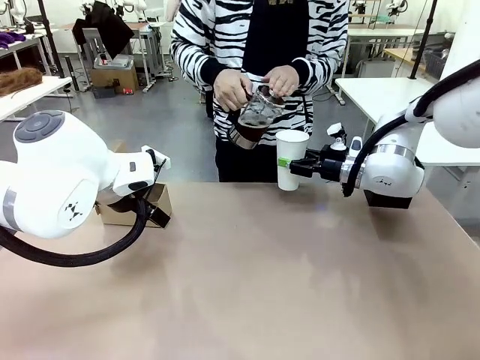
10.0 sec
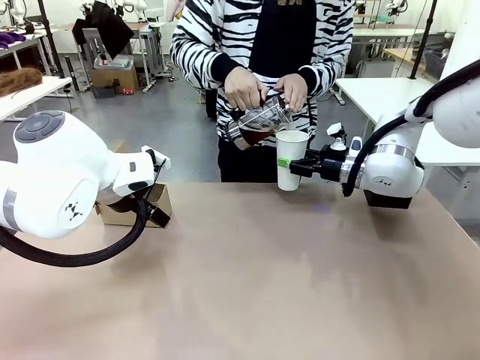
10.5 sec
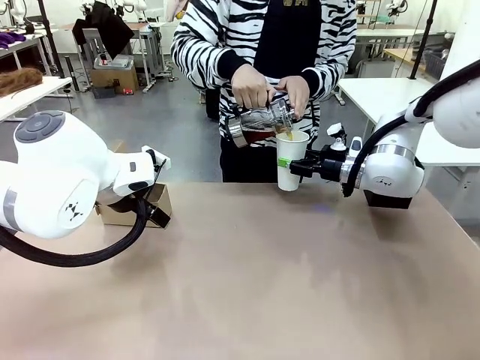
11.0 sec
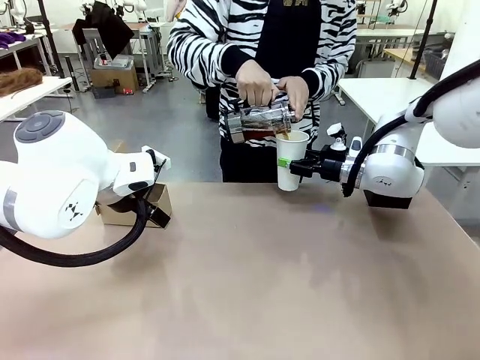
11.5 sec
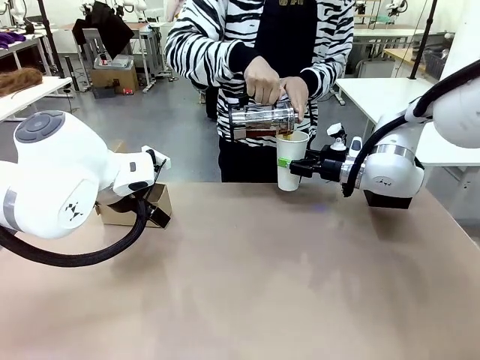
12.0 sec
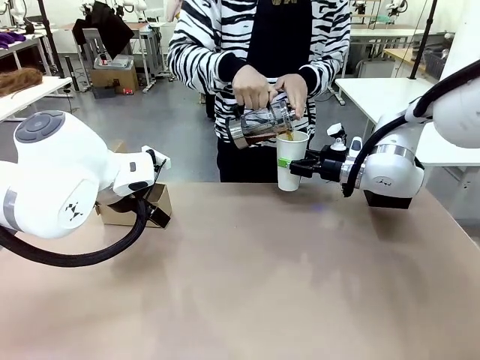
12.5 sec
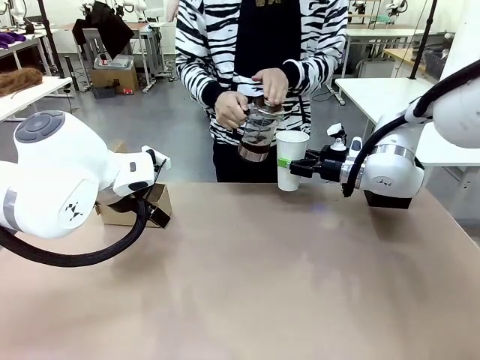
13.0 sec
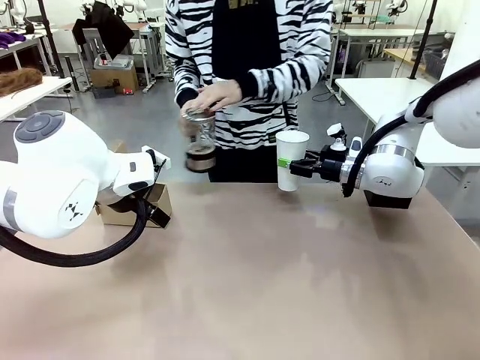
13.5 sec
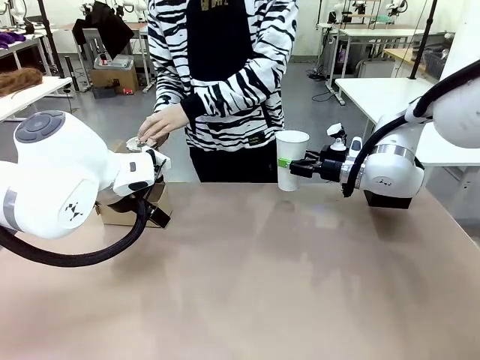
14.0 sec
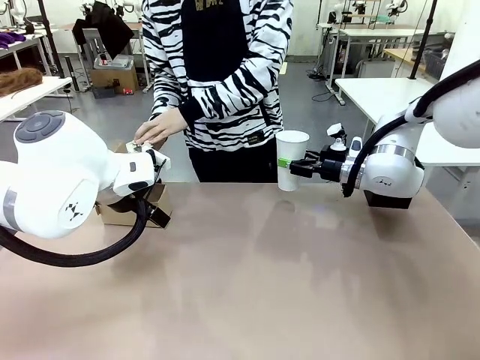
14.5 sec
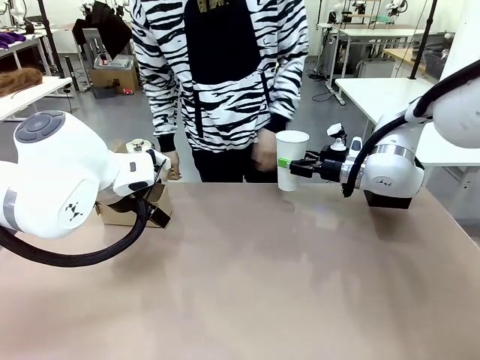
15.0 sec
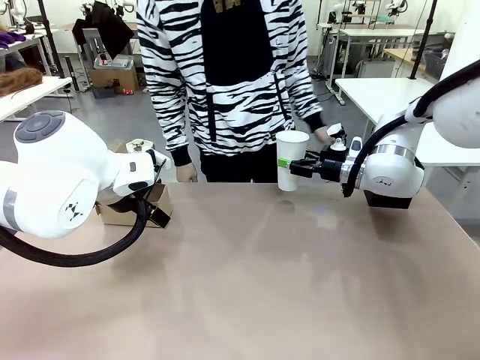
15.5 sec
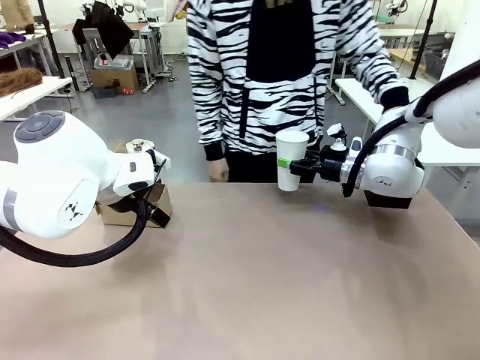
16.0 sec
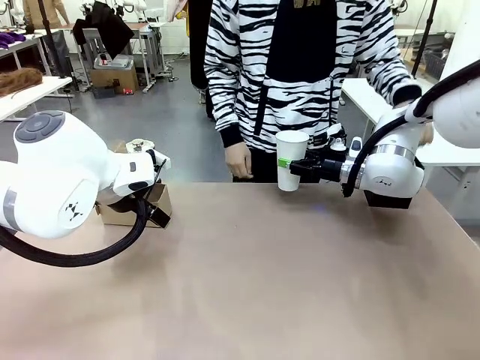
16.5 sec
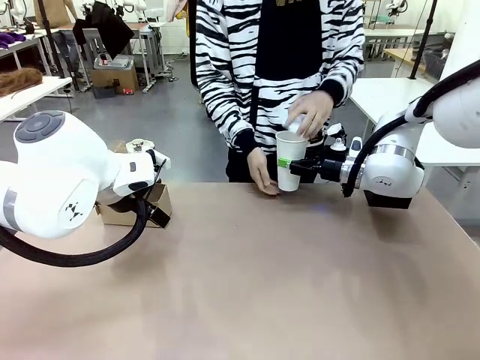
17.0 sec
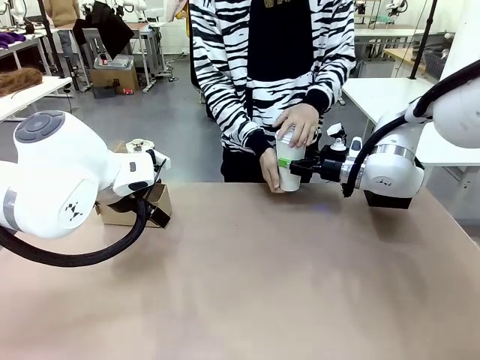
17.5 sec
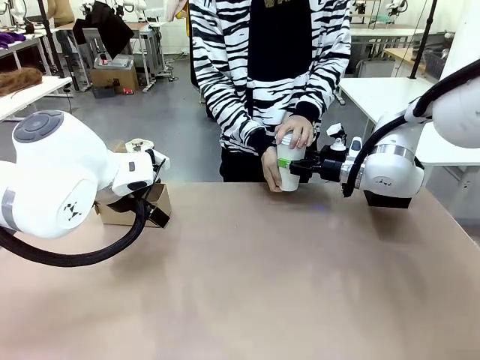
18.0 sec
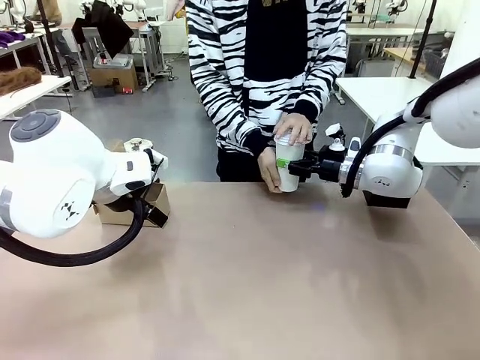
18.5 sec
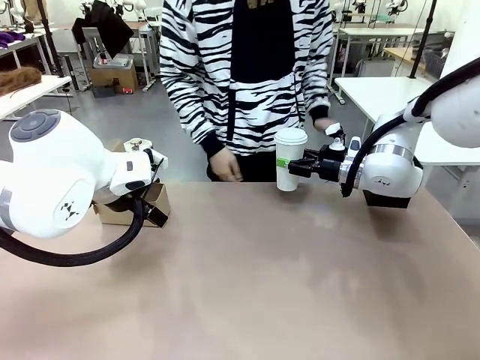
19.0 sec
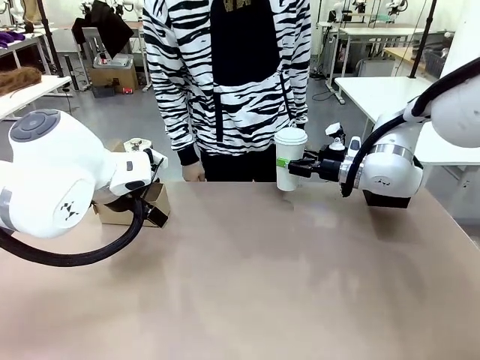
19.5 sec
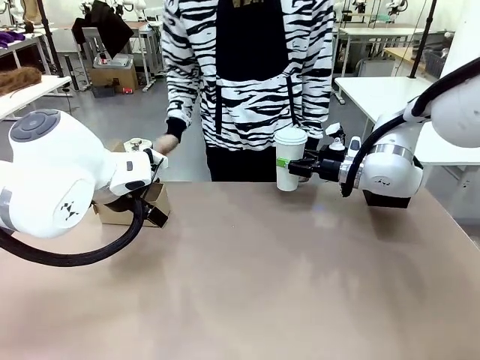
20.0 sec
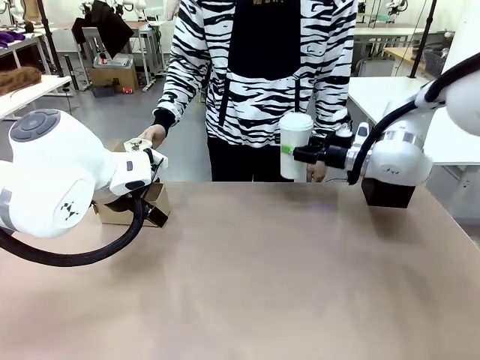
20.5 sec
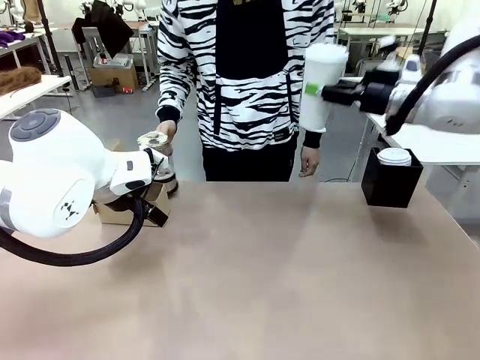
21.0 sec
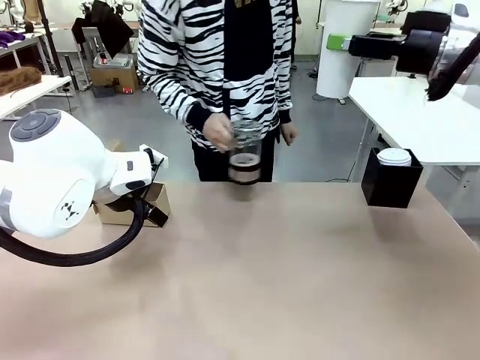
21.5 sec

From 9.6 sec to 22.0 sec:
Task: Pour a drink into a cup and package it in a carrier.
Robot: When a person places the Paper Cup Lid on the 600 ml Paper Cup , lift the 600 ml Paper Cup.
Person: Pour the drink from the Filter Brewing into the 600 ml Paper Cup. Place a Paper Cup Lid on the 600 ml Paper Cup.

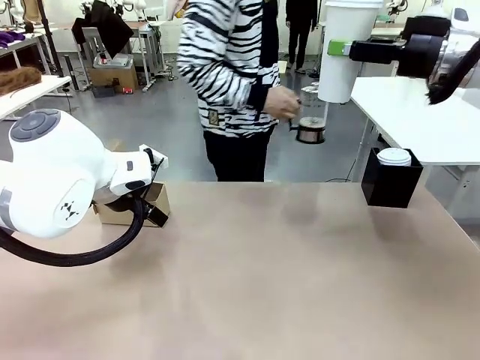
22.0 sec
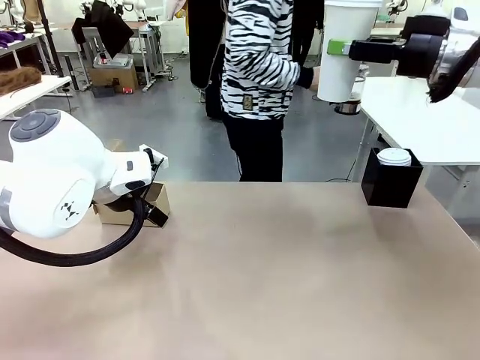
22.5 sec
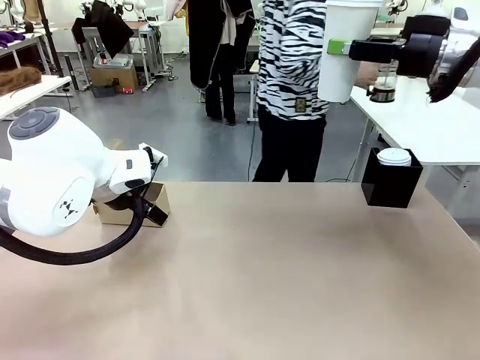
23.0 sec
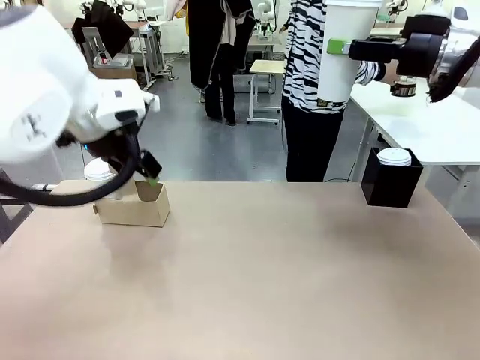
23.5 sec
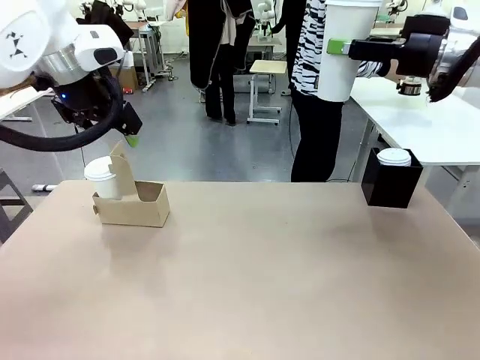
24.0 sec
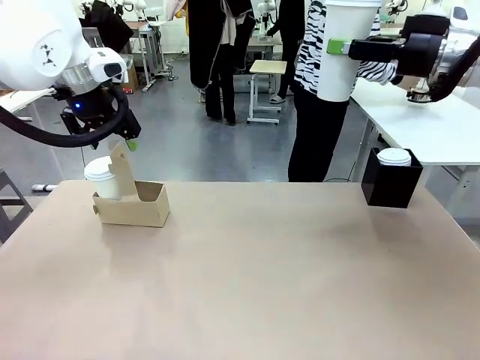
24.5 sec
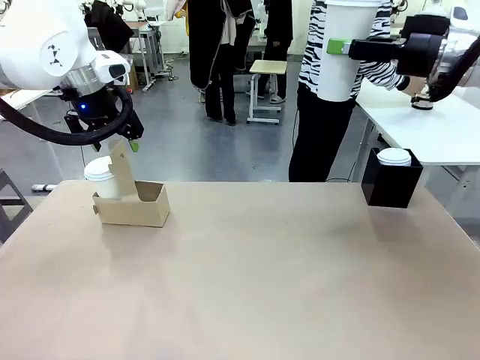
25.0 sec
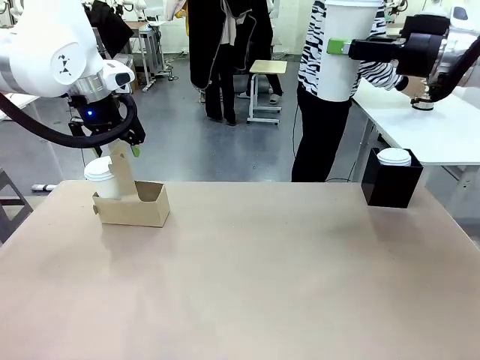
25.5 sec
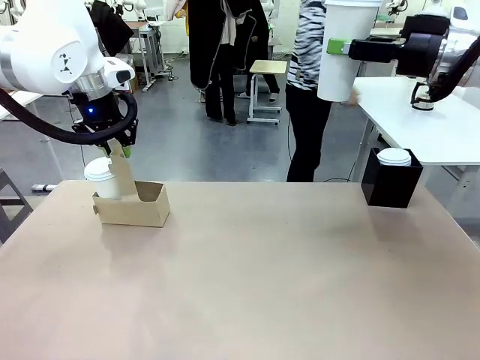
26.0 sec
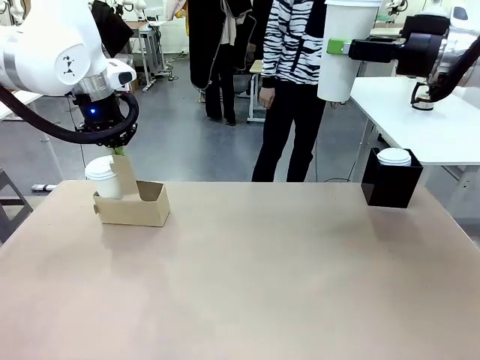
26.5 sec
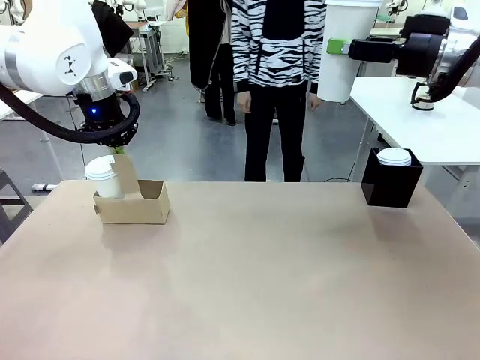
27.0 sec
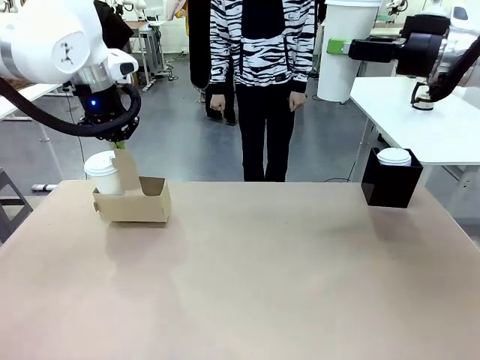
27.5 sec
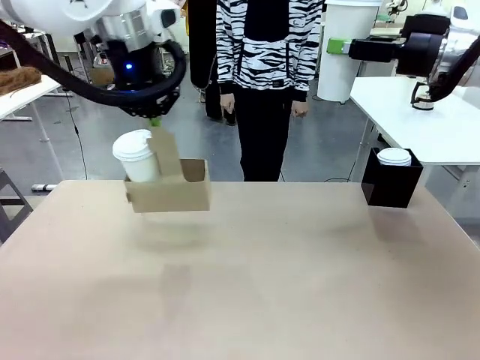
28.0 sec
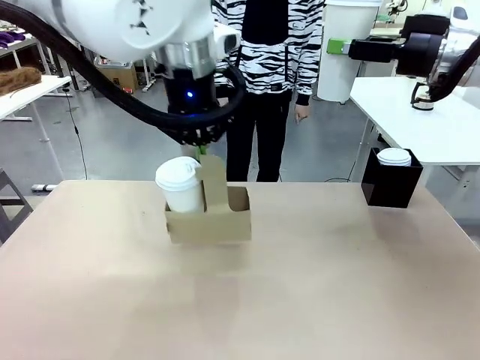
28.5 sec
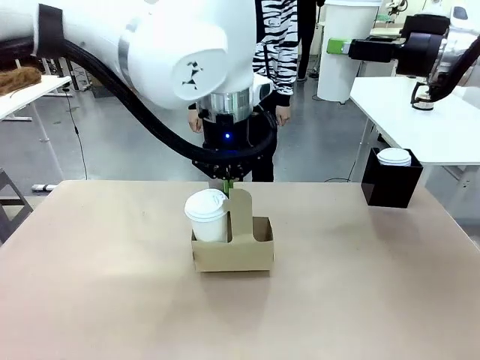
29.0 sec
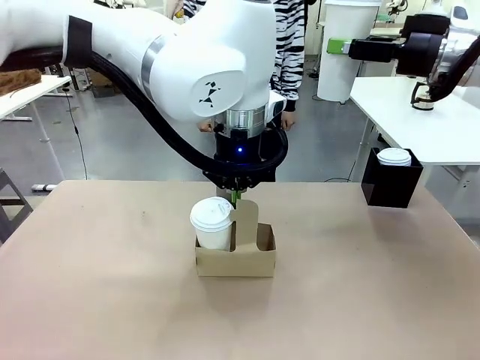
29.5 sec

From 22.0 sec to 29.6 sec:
Robot: Position the Cup Carrier in the center of the table.
Person: Pick up the Filter Brewing and place on the middle of Human table, and return to the Robot table.

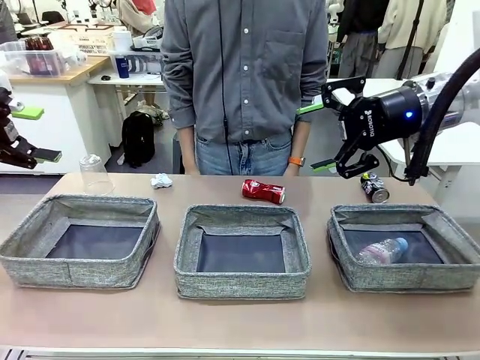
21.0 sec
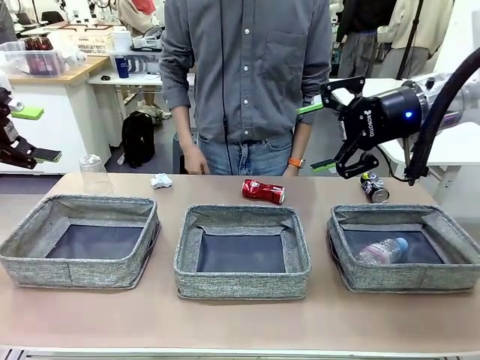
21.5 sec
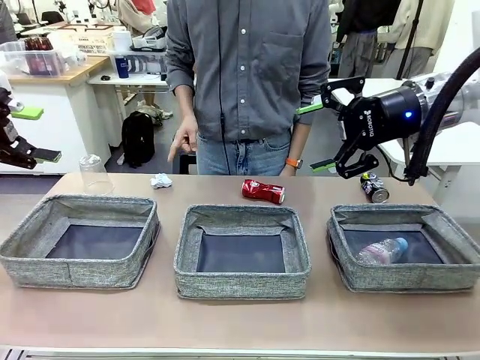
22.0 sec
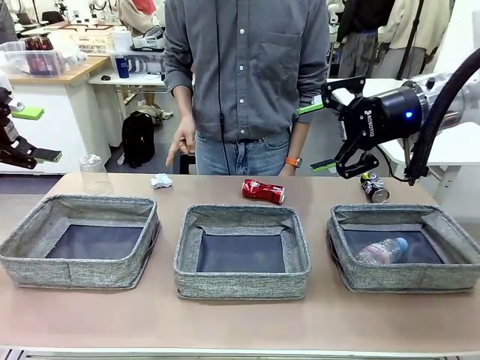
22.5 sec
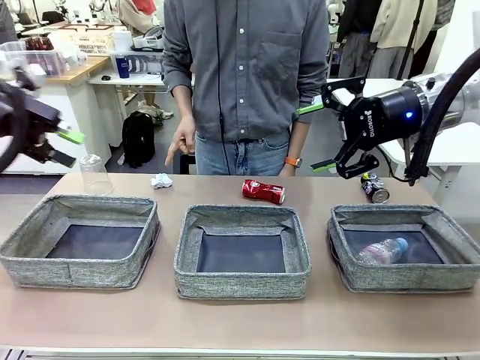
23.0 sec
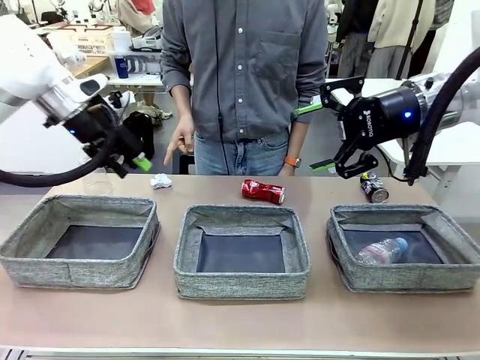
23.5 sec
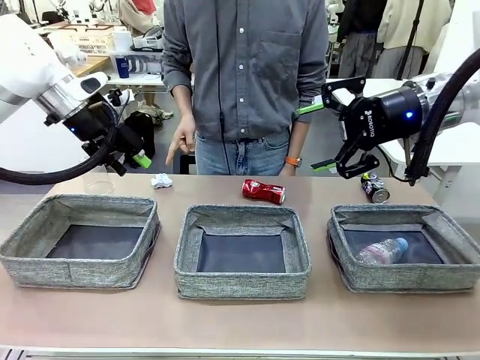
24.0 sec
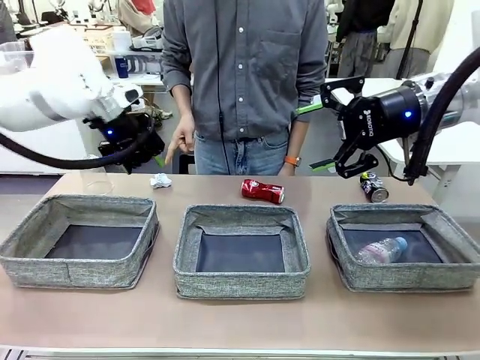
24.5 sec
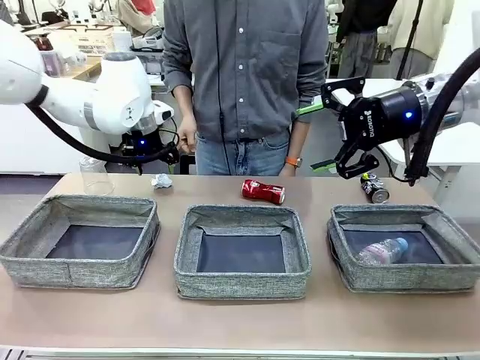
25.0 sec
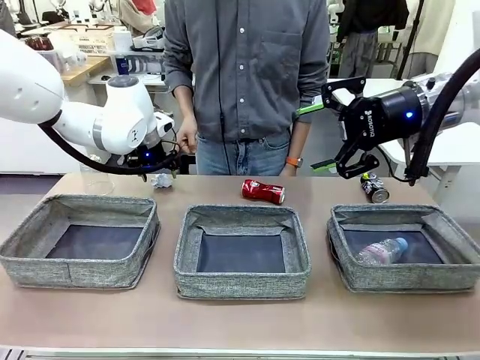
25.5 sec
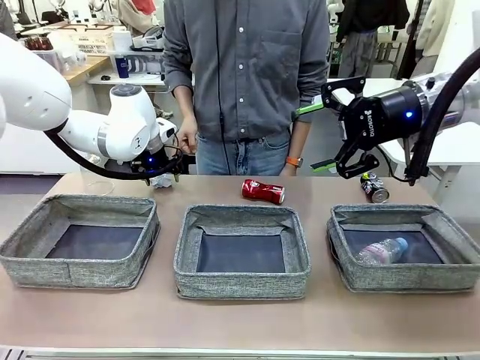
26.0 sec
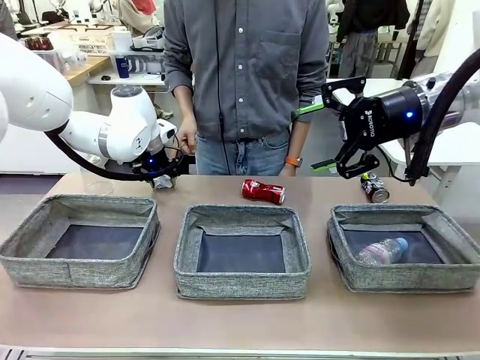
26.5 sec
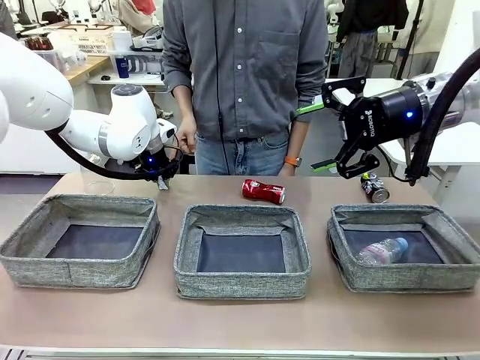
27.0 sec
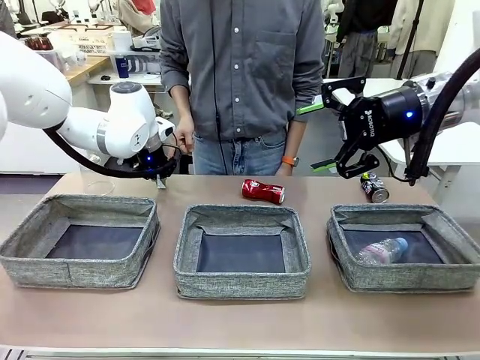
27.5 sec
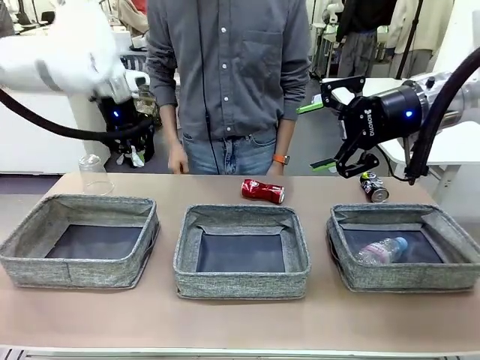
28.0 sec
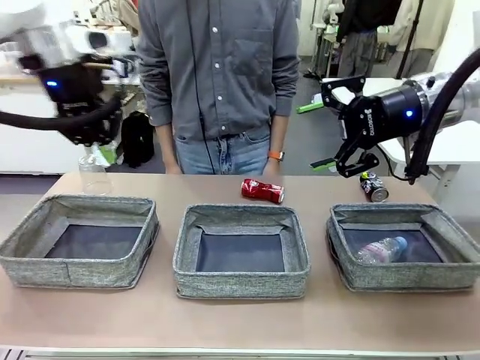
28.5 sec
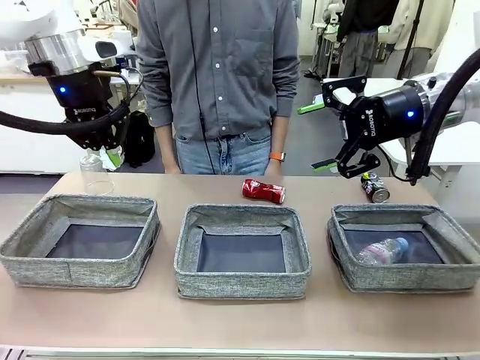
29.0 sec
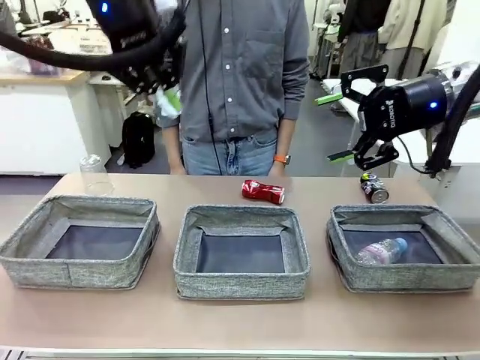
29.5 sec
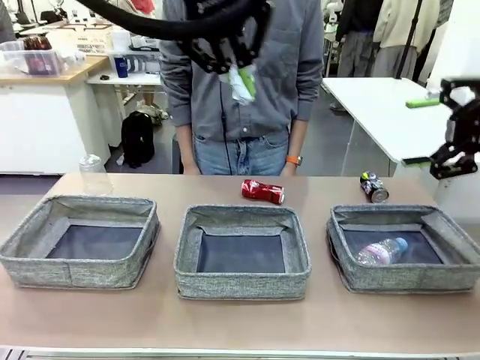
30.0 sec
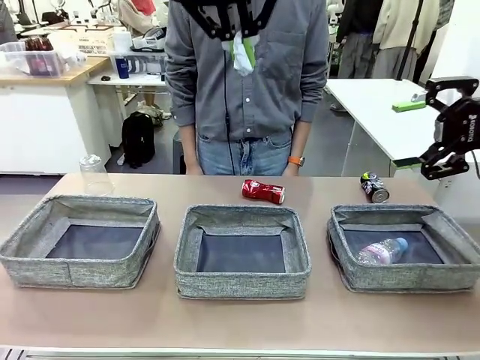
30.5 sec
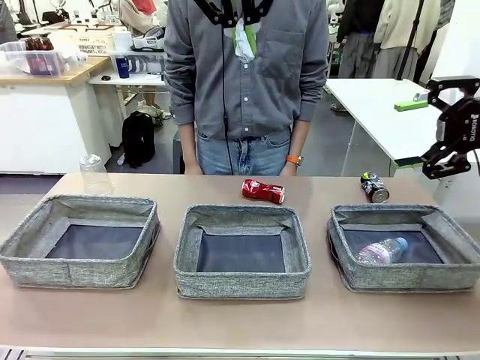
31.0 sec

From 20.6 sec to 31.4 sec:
Task: Sort the waste into the appropriate baskets.
Robot: Pick up the waste item pointed out by the person.
Person: Points to one piece of trash on the table.
